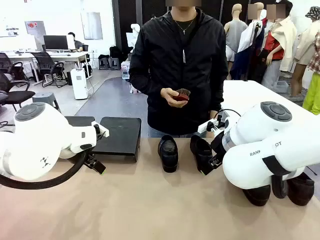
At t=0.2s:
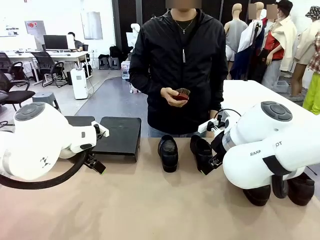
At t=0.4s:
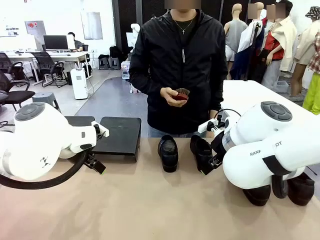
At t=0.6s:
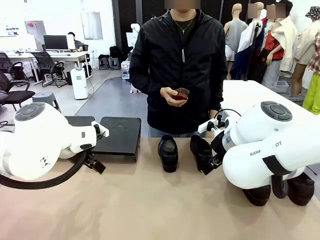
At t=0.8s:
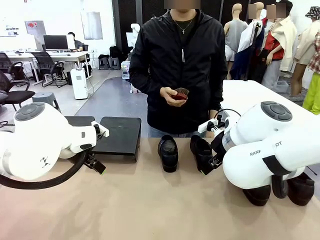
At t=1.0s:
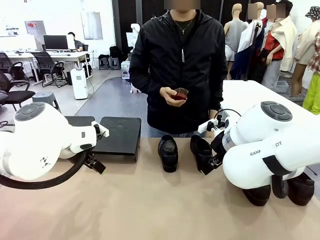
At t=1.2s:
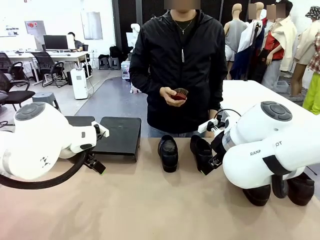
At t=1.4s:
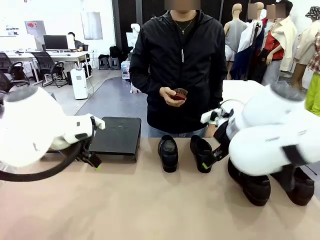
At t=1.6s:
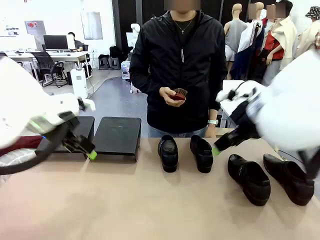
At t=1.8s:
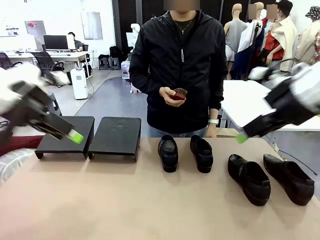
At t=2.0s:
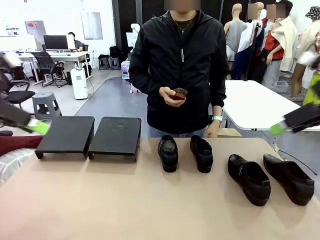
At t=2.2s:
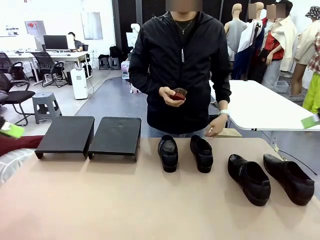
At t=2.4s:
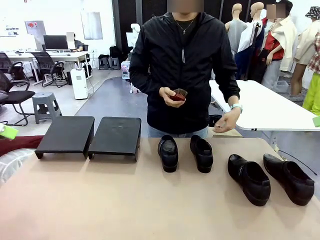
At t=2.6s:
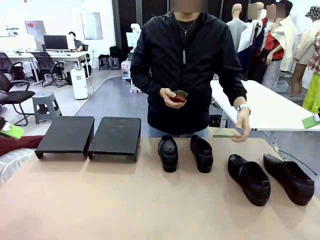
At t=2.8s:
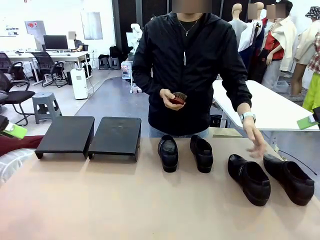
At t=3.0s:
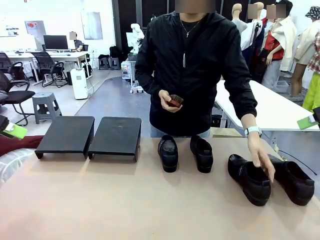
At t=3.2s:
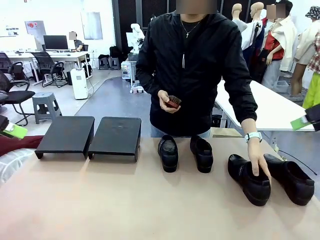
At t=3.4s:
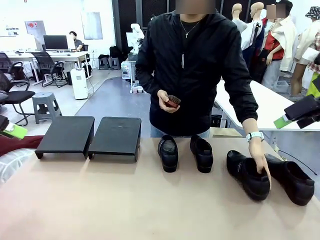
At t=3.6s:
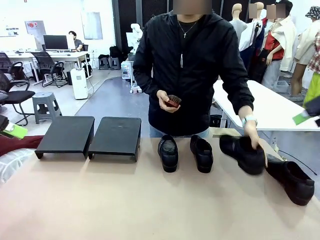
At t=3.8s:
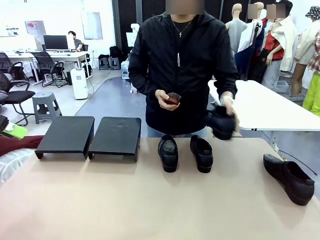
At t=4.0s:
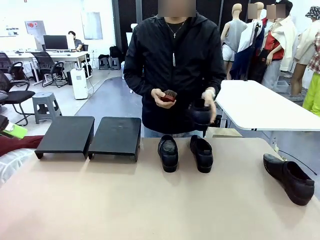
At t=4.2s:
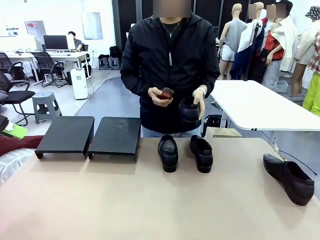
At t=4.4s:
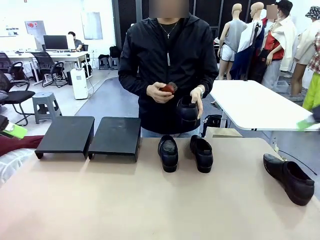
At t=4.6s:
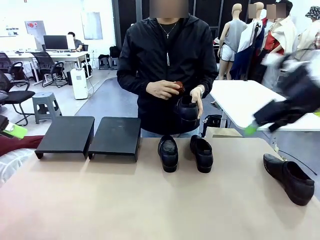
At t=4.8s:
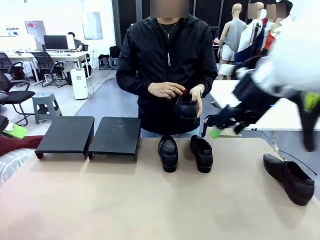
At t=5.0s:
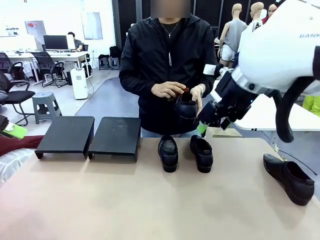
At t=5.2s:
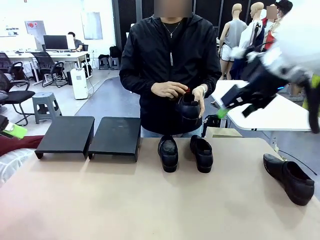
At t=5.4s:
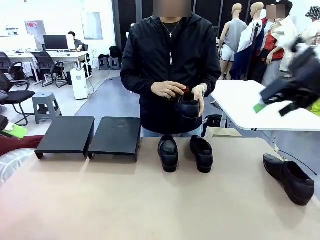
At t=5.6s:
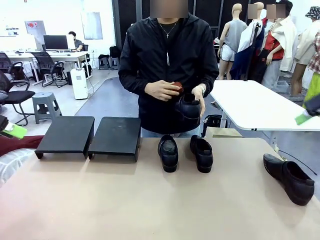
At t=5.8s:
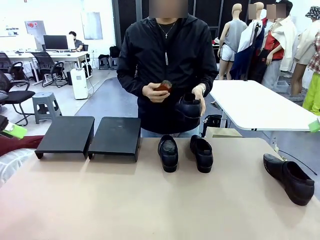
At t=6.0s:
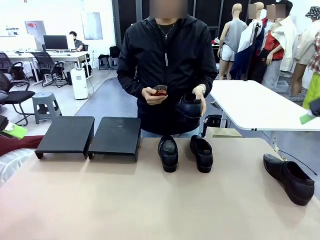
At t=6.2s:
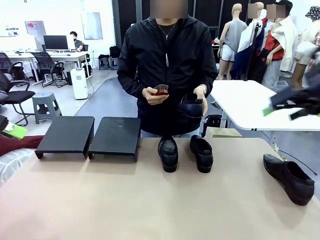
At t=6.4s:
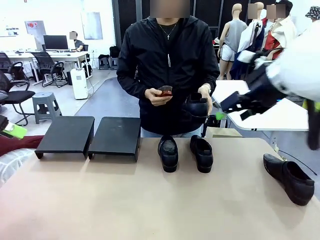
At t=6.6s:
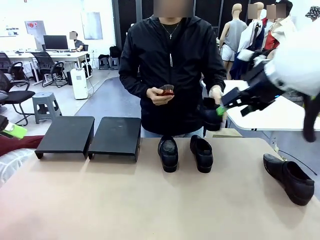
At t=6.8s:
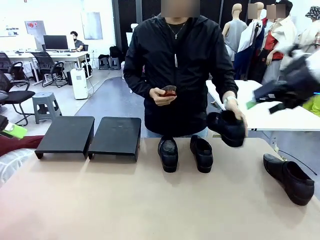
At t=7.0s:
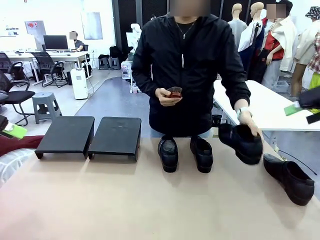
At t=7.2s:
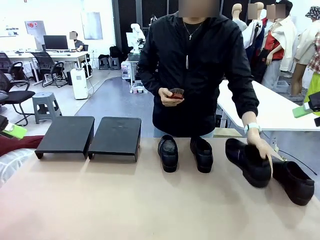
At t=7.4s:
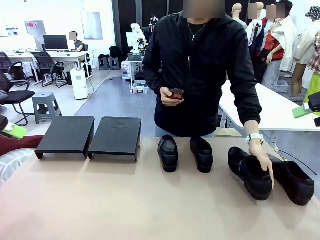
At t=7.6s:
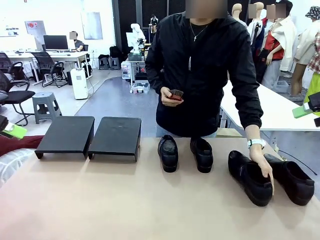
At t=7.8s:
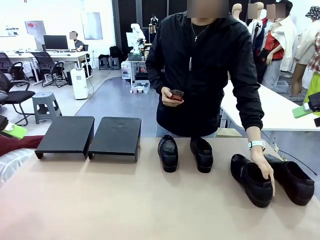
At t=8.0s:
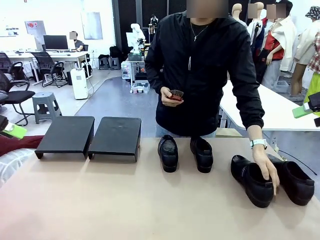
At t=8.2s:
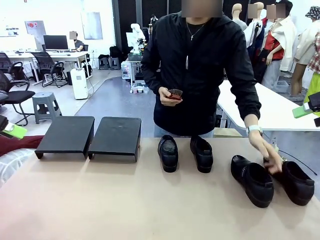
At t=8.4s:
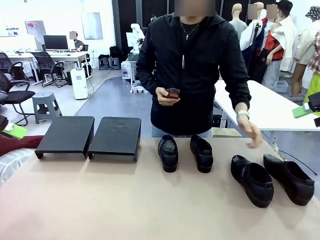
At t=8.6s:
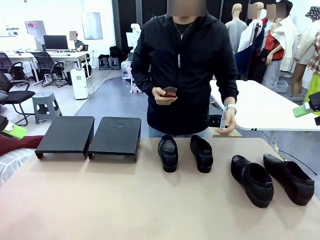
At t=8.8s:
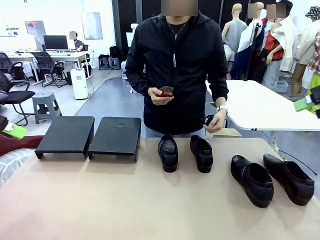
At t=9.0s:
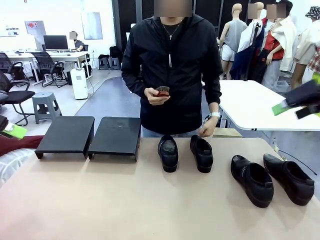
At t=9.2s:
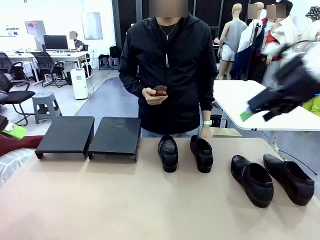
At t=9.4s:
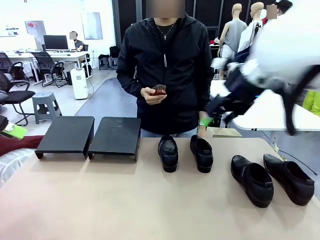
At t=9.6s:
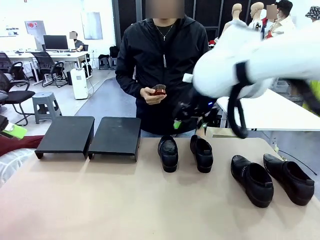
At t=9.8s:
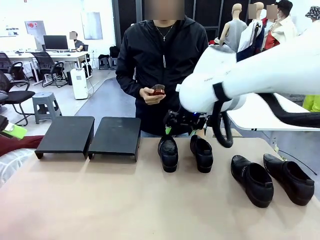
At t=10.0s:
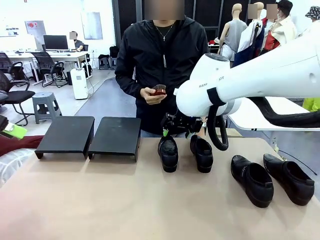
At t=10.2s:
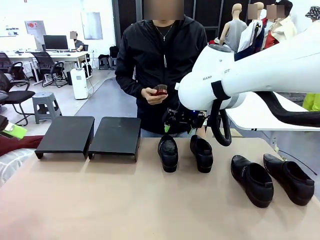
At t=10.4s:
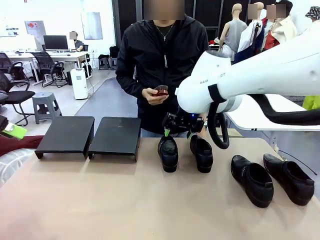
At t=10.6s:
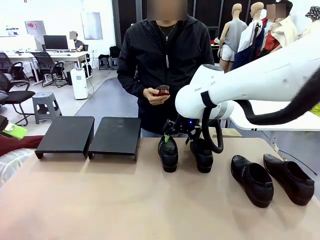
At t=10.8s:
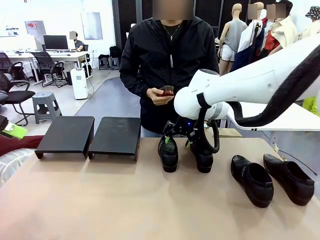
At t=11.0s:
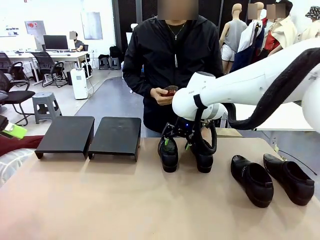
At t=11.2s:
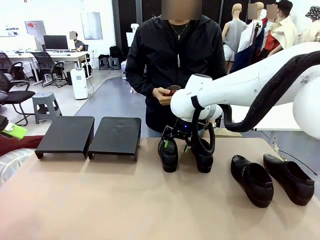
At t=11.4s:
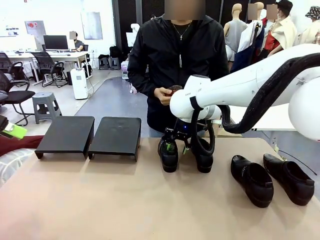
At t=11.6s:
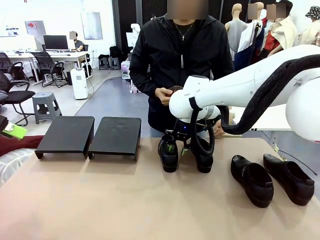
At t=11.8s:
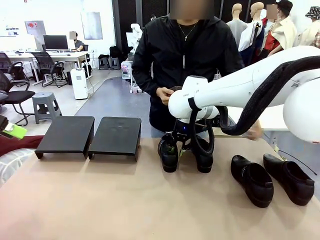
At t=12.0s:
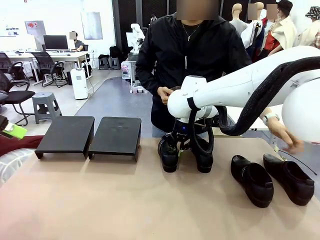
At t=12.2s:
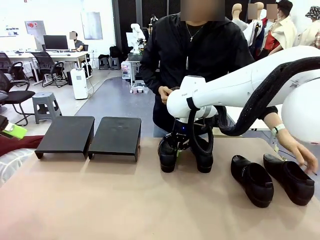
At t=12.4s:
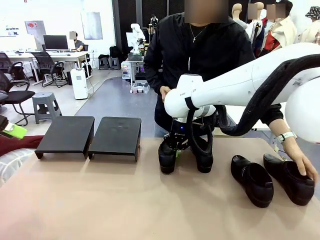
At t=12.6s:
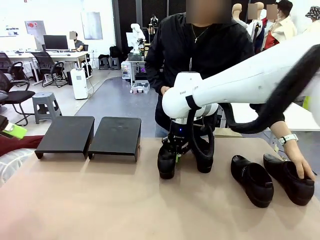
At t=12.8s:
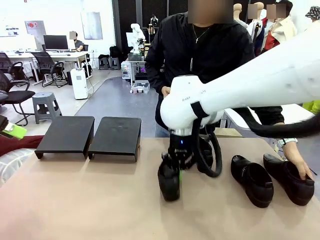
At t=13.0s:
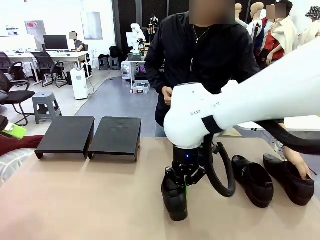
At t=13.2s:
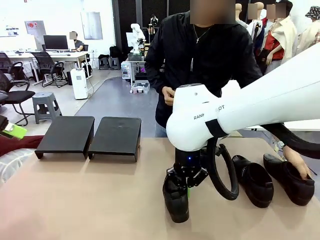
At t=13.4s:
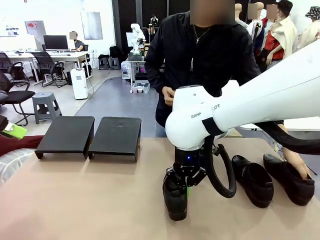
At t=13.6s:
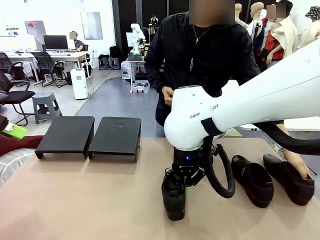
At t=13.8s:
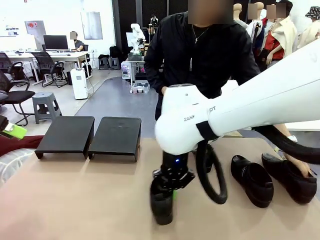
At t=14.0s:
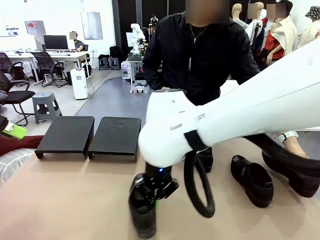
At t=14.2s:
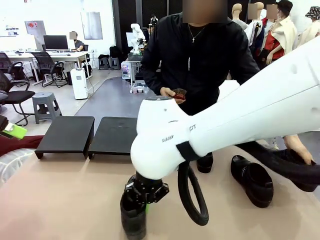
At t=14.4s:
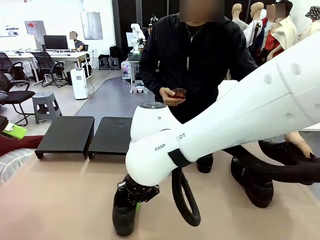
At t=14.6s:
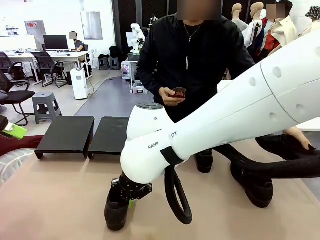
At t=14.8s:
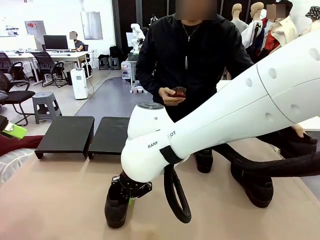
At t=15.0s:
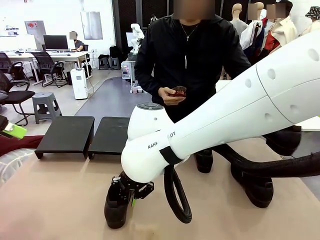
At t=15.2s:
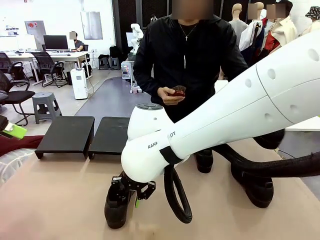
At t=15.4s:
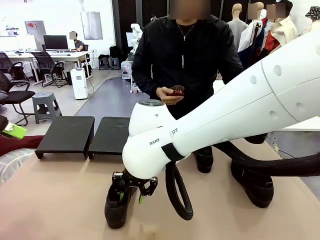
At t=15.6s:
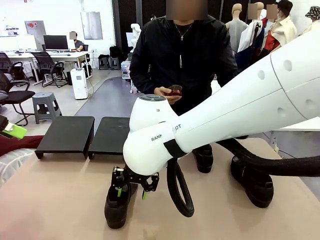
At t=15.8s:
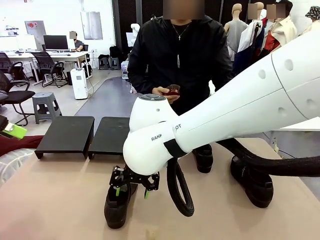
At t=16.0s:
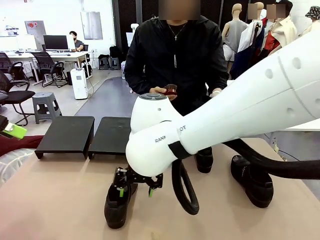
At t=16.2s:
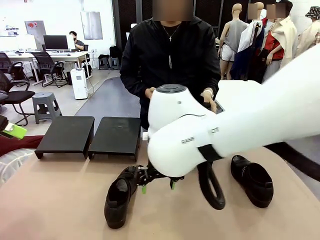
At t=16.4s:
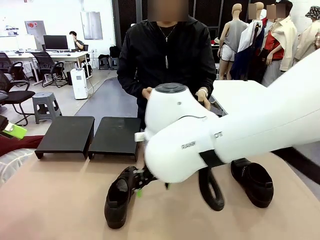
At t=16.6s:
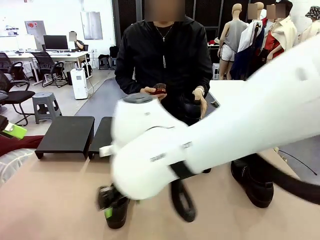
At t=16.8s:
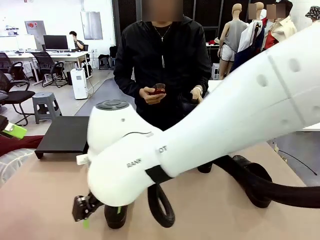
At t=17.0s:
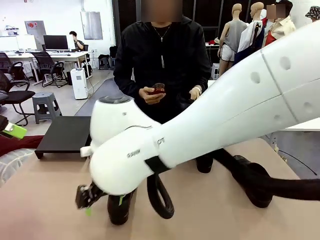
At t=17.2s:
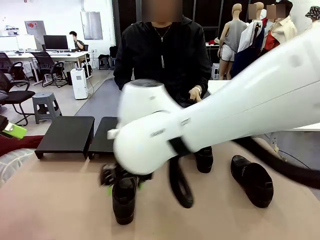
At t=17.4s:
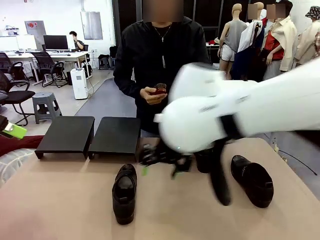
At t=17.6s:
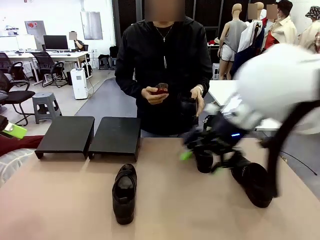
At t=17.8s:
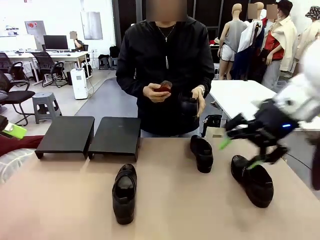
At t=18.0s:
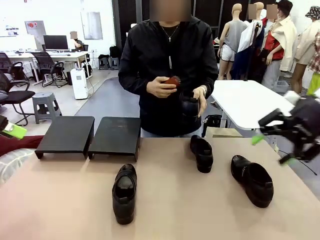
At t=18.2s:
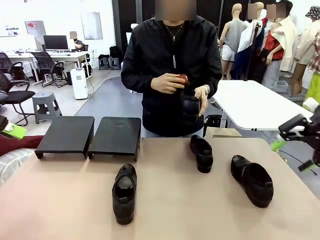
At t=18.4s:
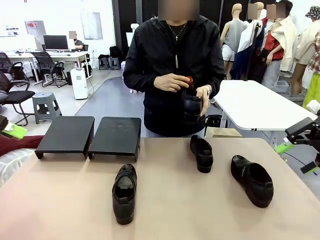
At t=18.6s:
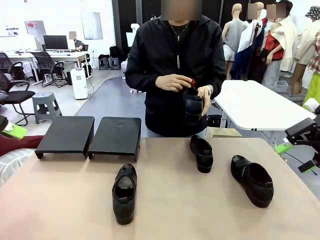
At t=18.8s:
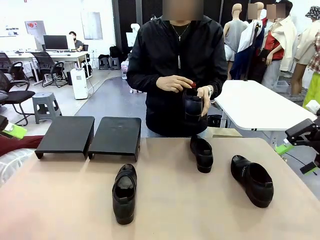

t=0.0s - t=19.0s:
Task: Organize the shoes by placing them on the stand.
Robot: Pick up one Shoe and place it in the middle of the table.
Person: Pick one Shoe on Robot's table. Clean the Shoe with the Shoe Brush. Place the Shoe on left side of the Robot's table. Pick one Shoe on Robot's table.
